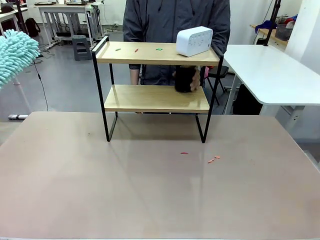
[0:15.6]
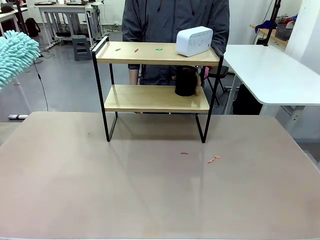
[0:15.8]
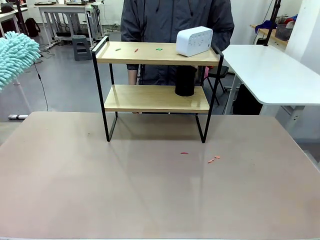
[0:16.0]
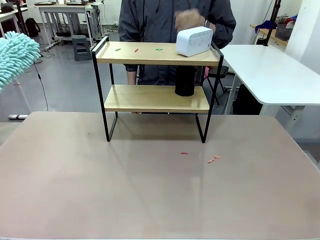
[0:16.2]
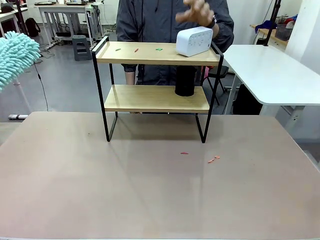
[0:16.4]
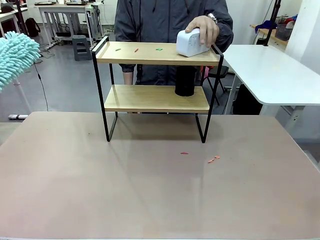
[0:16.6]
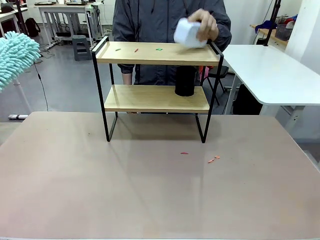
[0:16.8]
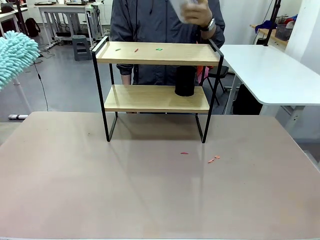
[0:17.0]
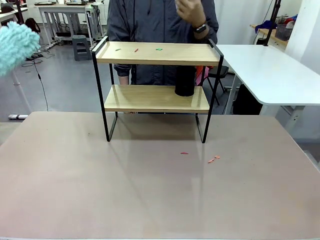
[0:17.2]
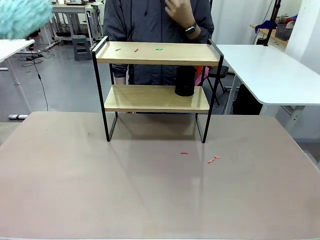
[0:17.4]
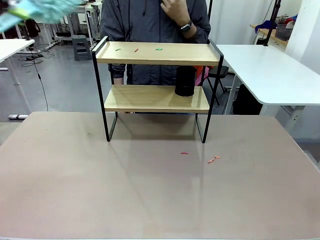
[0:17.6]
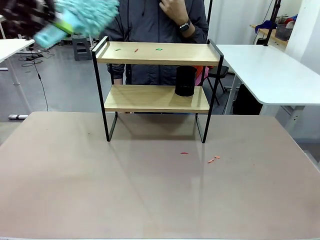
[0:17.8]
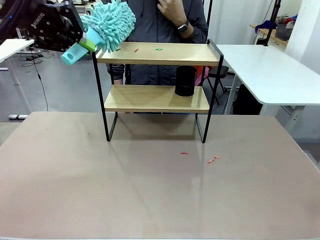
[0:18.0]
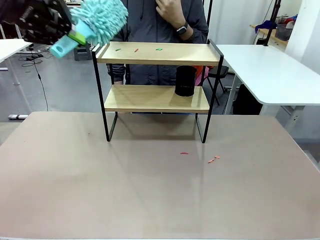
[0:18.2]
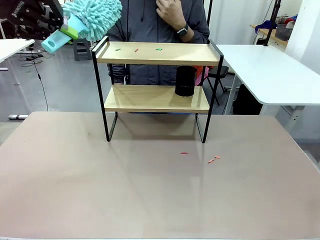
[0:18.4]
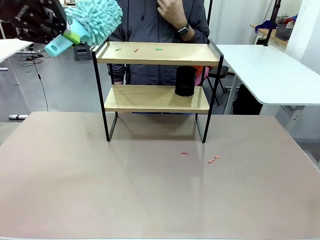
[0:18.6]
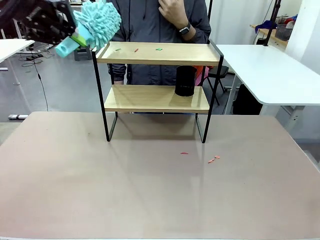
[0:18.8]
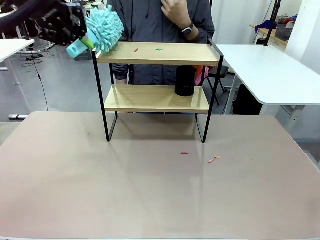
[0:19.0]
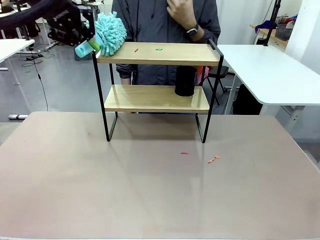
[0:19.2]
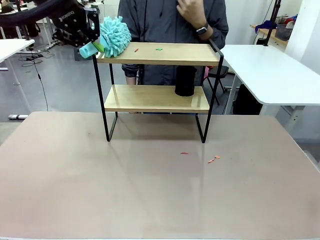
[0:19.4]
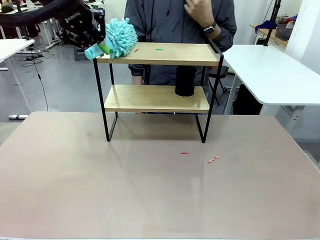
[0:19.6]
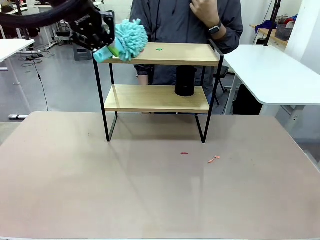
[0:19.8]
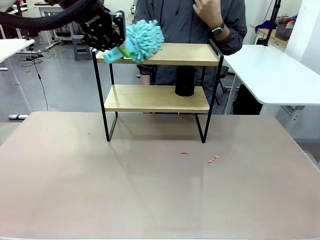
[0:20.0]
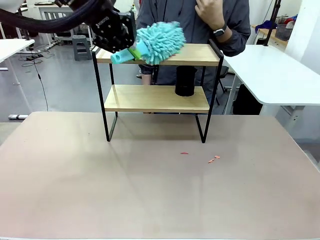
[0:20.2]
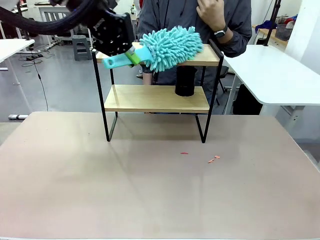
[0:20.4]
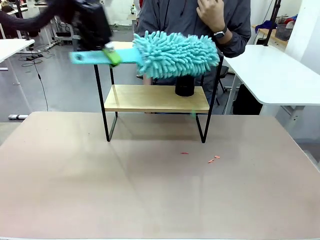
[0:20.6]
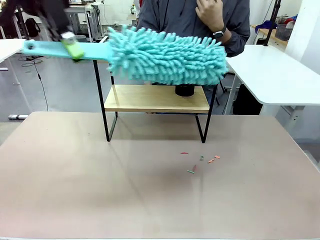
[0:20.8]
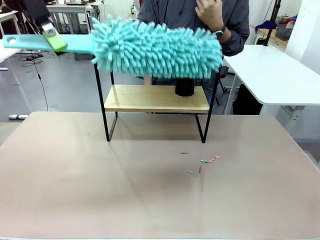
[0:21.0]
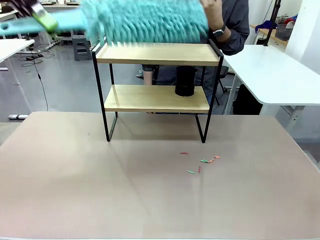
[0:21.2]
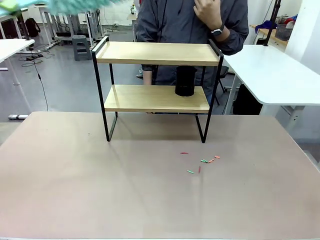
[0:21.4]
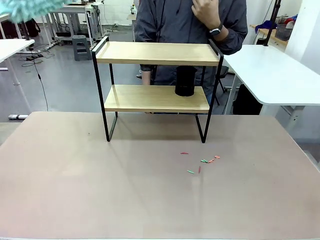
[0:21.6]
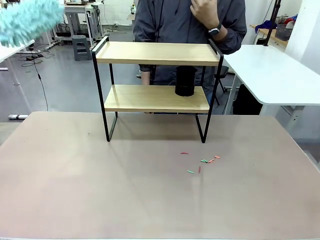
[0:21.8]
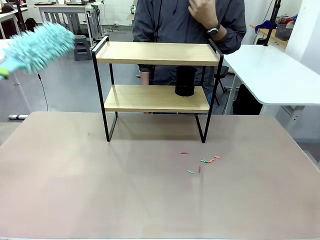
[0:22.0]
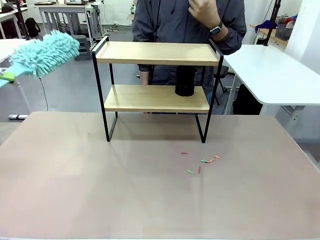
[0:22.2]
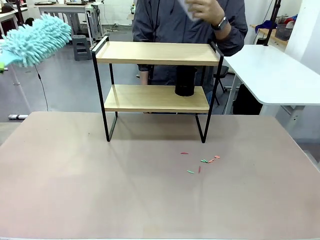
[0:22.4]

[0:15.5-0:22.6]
Task: Clean the shelf.
Robot: Clean the remaining tier of the Shelf with the Duster once objects are removed.

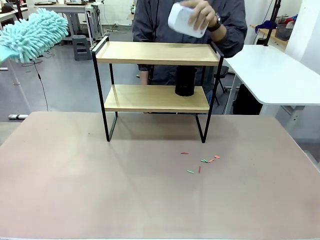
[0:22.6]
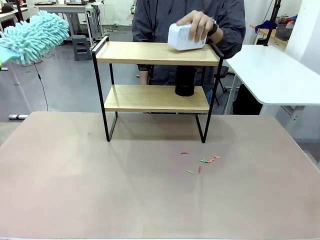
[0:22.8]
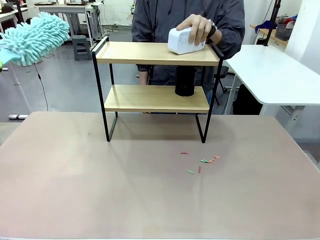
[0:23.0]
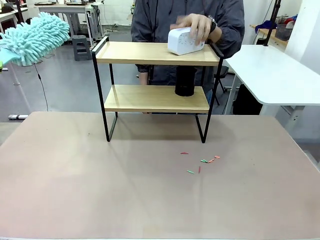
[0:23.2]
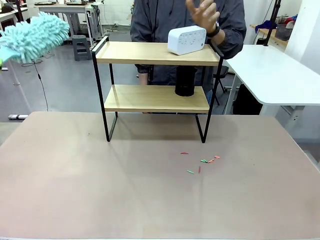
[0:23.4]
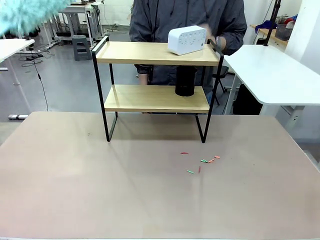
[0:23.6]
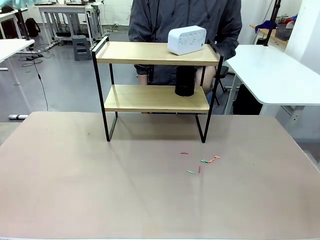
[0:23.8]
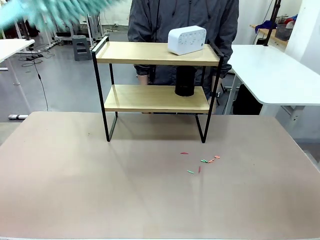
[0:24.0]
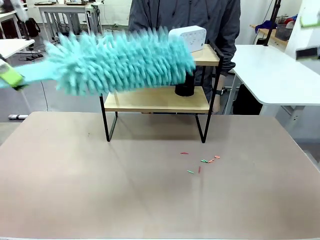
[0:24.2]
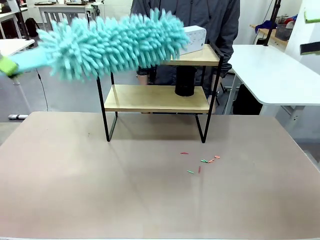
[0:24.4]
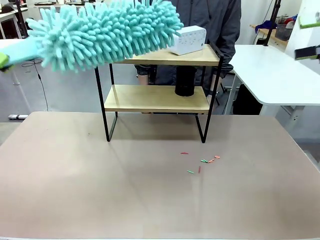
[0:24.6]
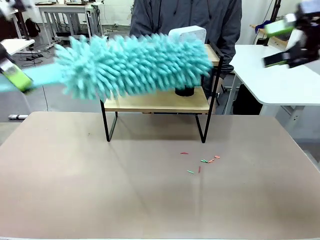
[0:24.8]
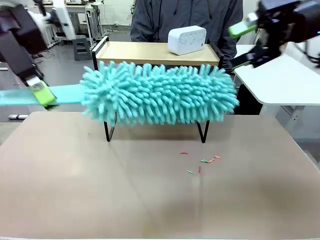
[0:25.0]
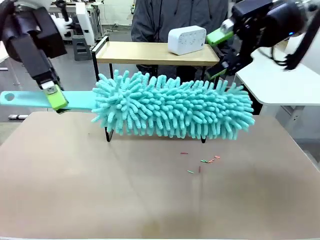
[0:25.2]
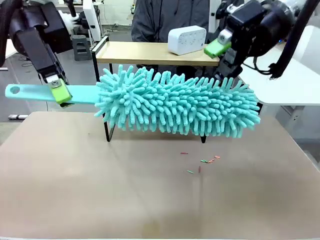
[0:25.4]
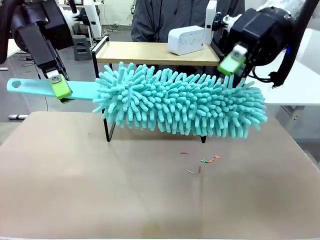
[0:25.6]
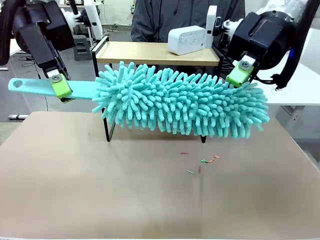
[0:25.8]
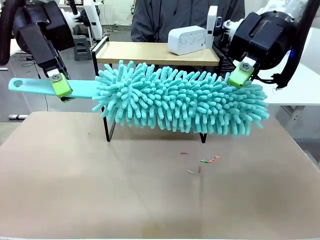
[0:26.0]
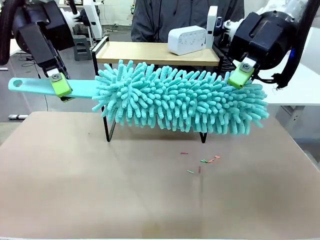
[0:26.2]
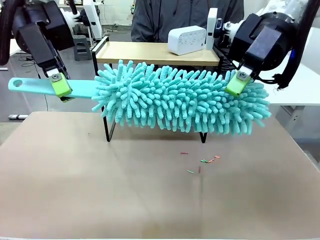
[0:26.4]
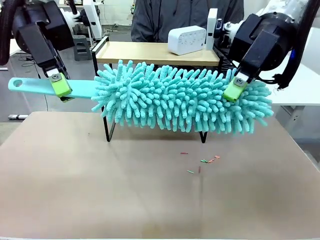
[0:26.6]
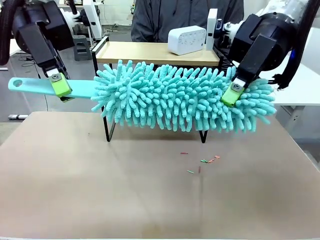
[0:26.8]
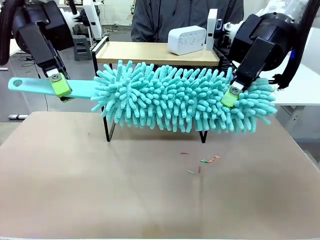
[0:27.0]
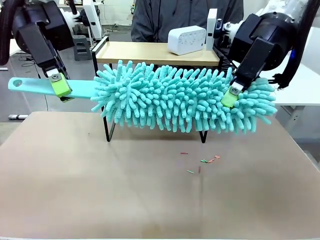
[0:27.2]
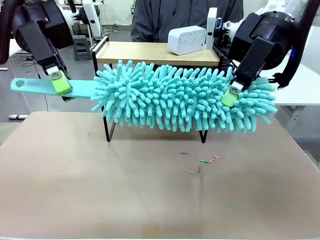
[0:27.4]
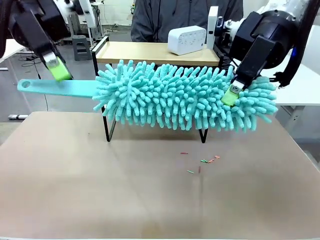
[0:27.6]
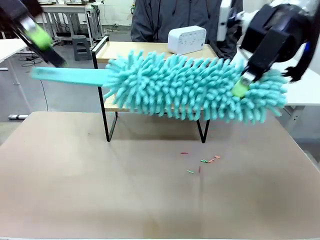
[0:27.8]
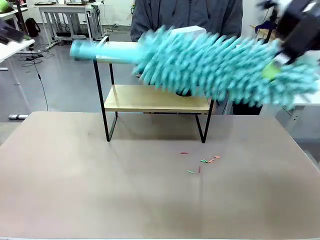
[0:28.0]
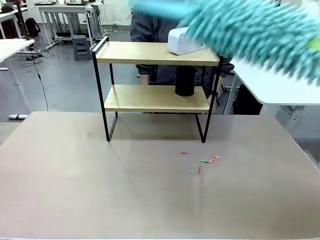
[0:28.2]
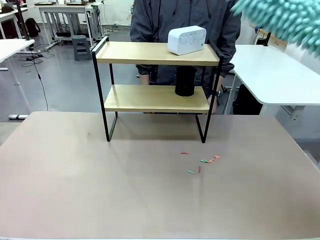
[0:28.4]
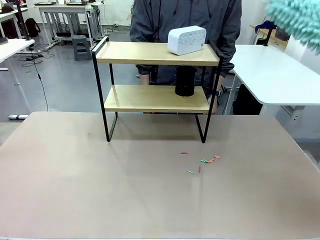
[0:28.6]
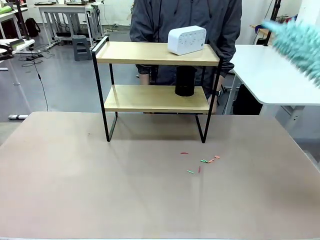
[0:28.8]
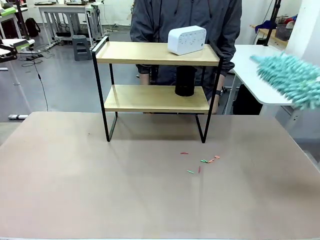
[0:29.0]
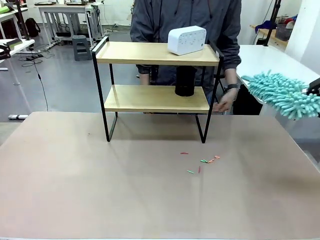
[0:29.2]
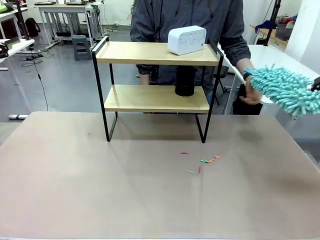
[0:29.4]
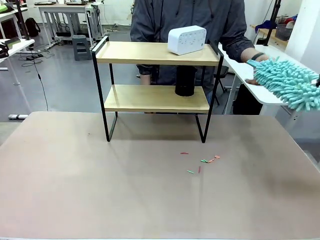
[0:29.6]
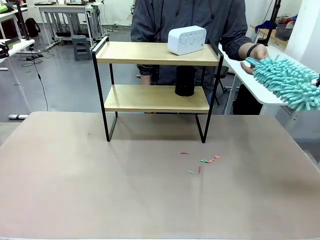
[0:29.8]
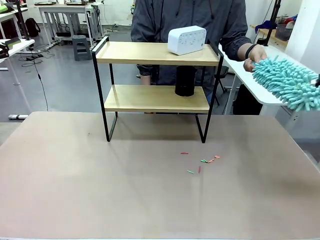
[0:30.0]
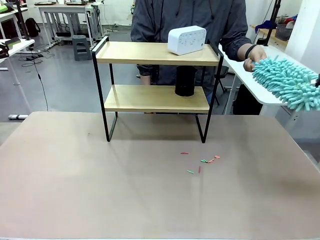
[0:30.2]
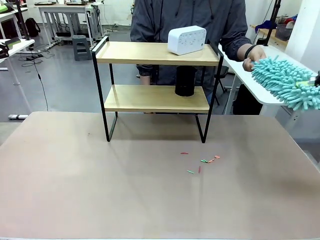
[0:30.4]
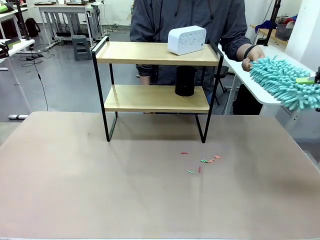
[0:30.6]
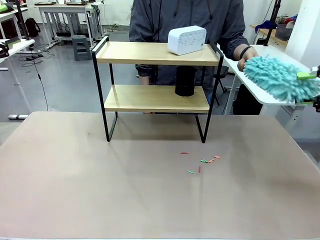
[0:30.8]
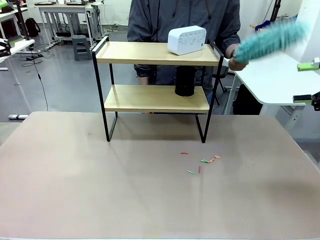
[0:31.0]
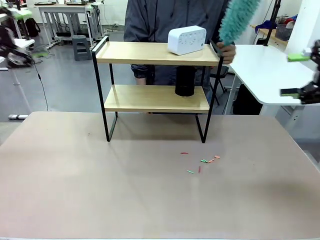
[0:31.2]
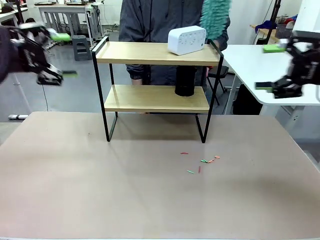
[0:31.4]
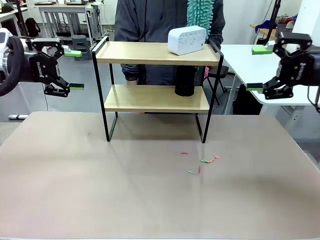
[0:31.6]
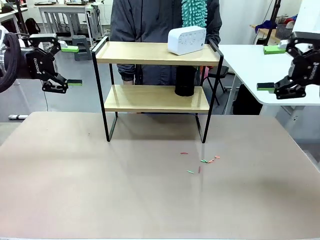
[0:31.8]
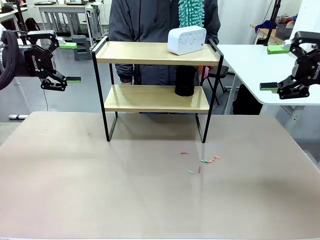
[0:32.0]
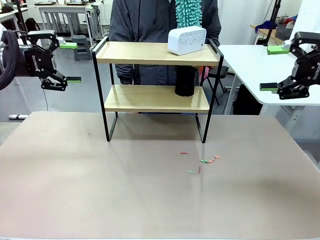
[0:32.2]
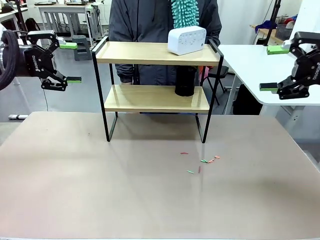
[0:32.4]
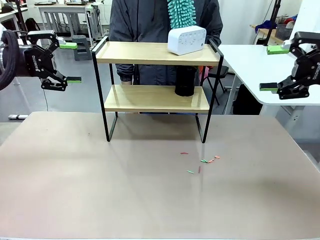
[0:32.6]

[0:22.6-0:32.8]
Robot: Hand the Duster back to the human.
Person: Receive the Duster from the robot.

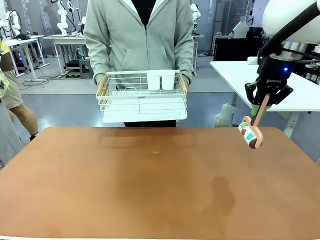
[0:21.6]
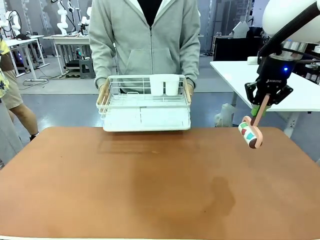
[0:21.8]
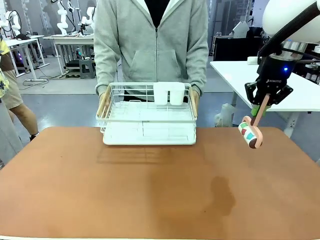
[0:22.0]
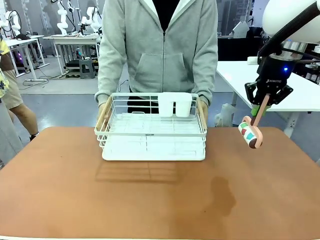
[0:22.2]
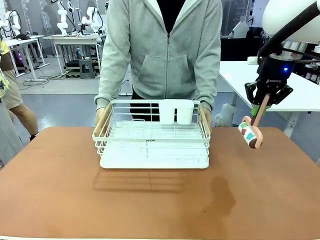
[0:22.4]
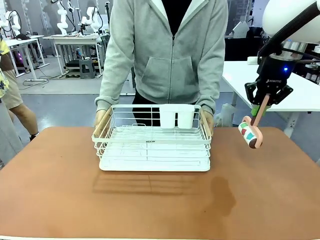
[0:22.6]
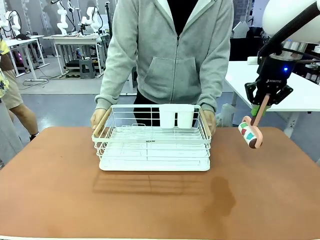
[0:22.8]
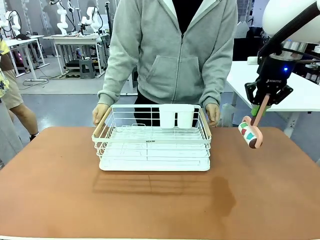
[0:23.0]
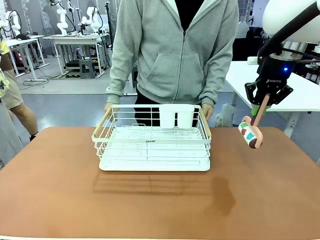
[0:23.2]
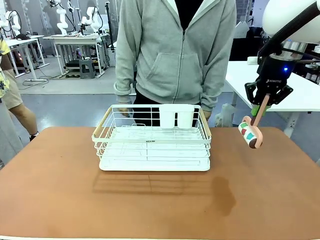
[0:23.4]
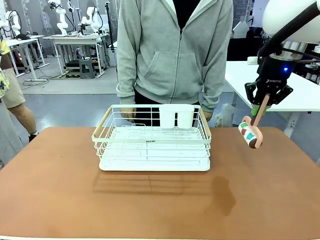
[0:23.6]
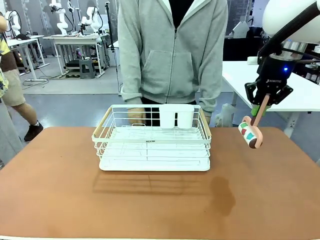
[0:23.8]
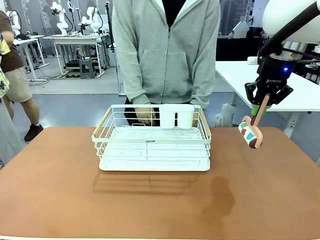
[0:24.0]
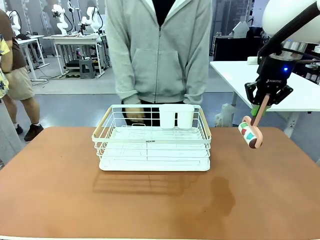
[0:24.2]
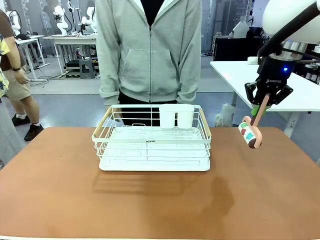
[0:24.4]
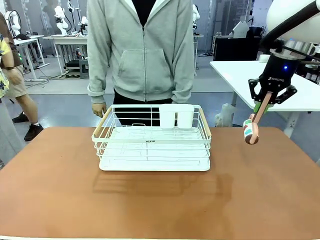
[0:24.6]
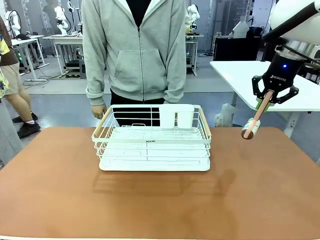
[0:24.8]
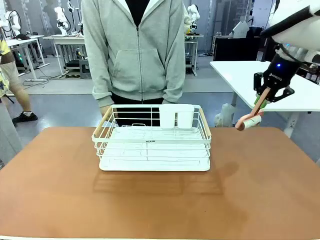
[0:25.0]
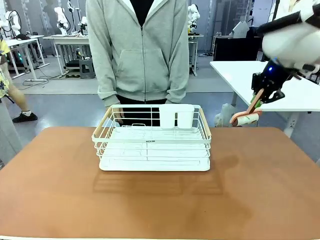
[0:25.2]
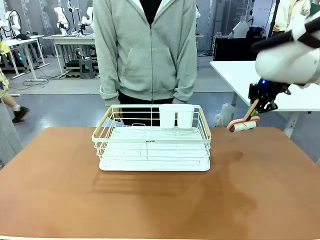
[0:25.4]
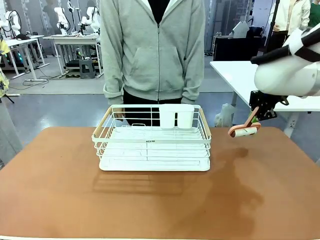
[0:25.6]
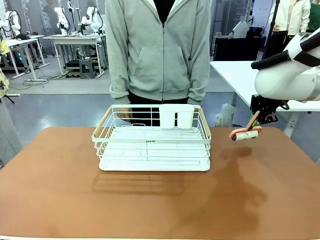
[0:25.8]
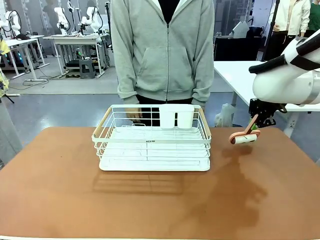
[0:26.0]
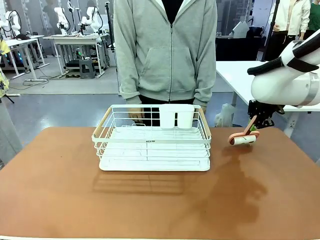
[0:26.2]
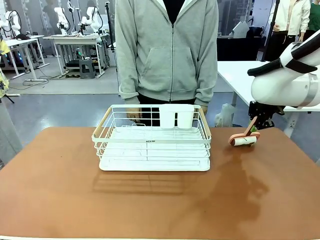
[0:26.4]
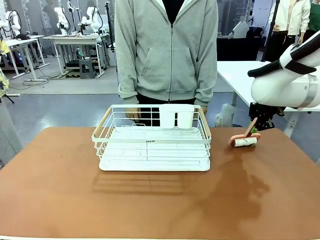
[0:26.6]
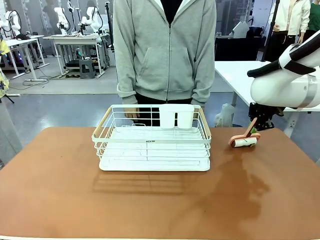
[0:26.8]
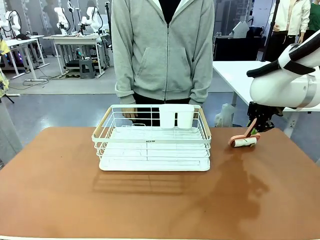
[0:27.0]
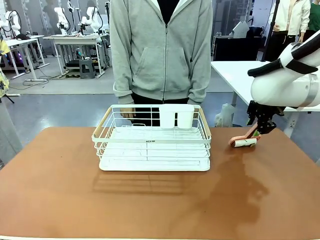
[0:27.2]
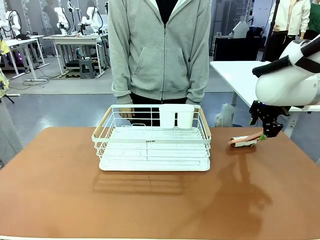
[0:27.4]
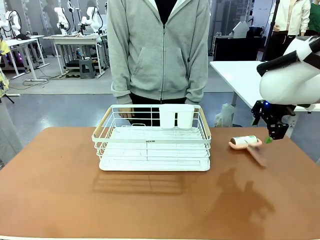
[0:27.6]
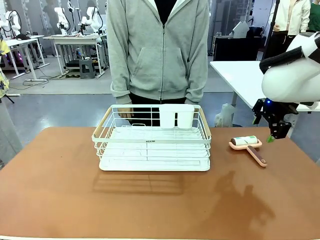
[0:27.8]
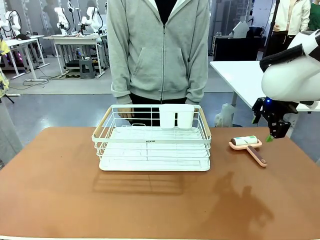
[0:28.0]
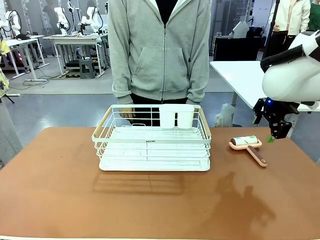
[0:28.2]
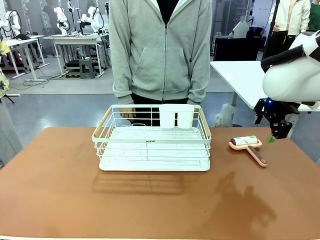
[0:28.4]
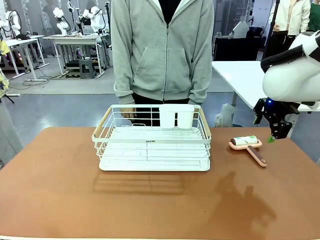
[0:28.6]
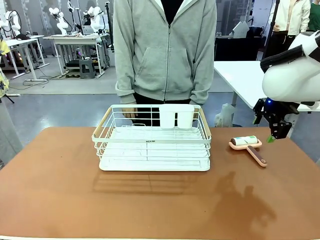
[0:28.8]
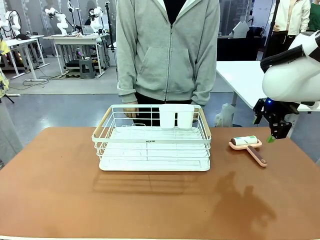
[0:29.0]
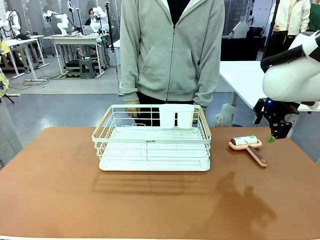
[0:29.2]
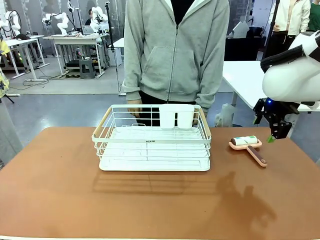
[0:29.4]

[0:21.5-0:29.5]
Task: Clean the table.
Robot: Place the Lint Roller down when the Dish drying rack is positioned in the middle of the table.
Person: Place the Dish drying rack down when the robot finishes cleaning.
